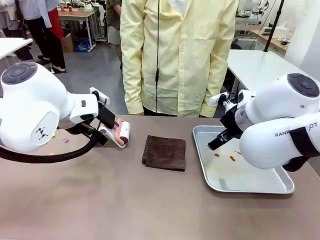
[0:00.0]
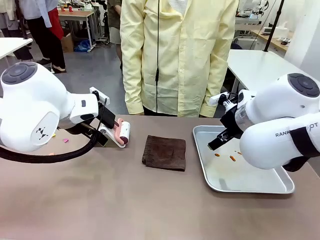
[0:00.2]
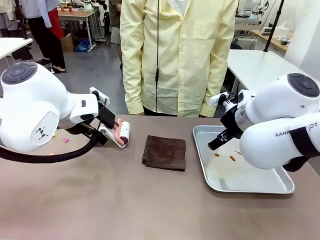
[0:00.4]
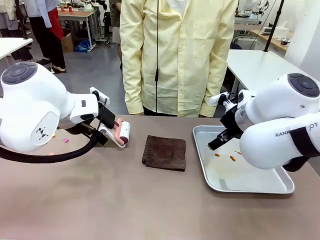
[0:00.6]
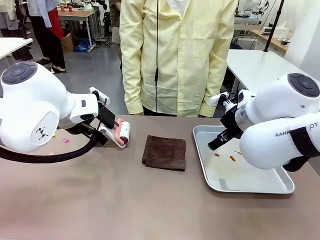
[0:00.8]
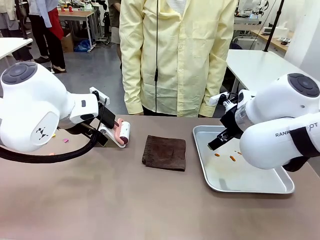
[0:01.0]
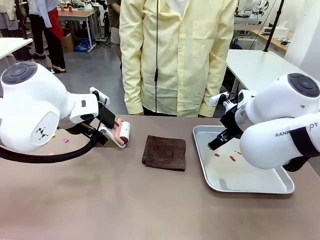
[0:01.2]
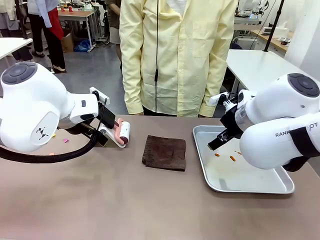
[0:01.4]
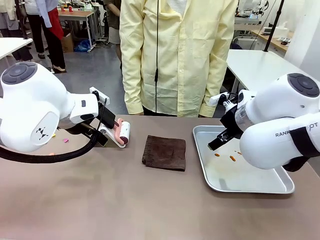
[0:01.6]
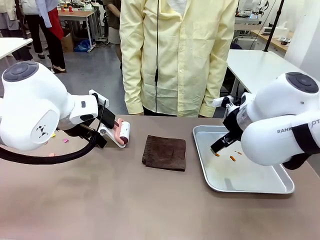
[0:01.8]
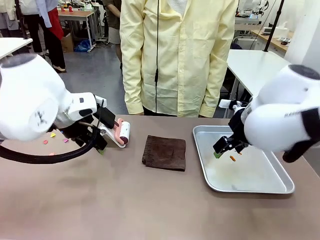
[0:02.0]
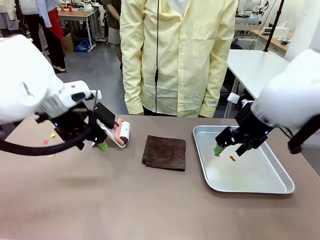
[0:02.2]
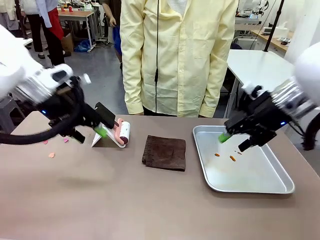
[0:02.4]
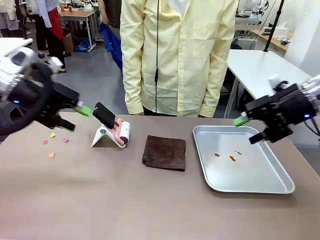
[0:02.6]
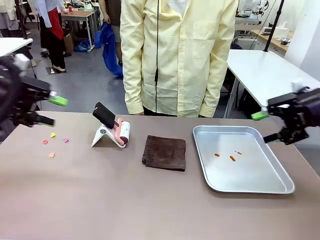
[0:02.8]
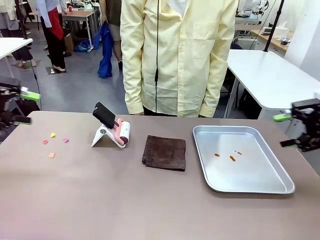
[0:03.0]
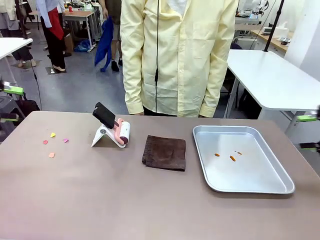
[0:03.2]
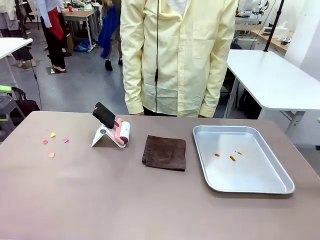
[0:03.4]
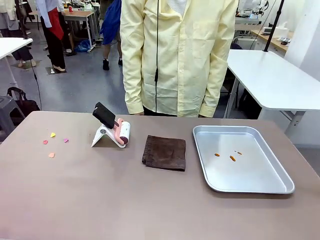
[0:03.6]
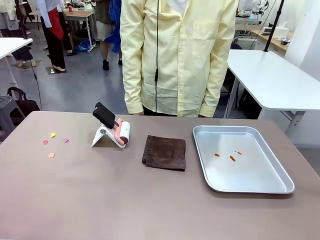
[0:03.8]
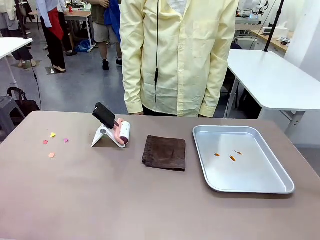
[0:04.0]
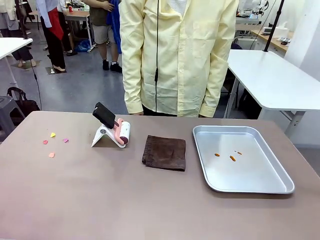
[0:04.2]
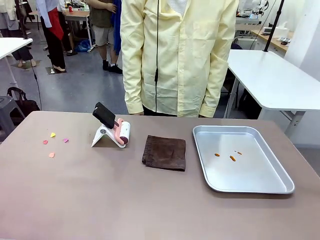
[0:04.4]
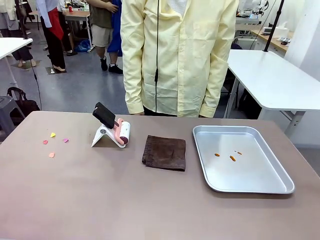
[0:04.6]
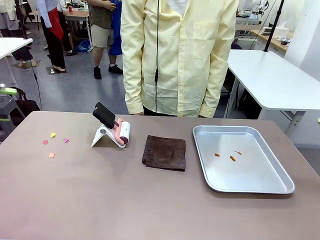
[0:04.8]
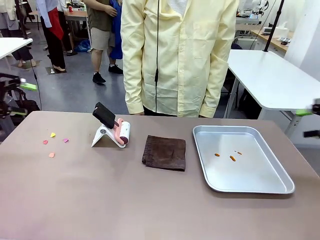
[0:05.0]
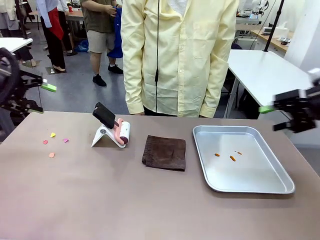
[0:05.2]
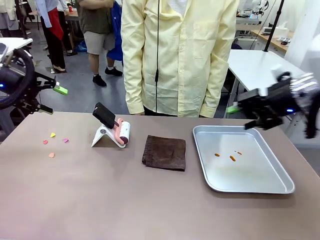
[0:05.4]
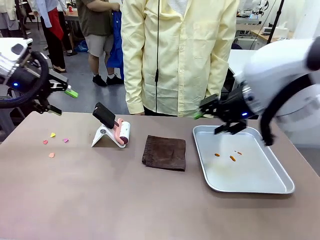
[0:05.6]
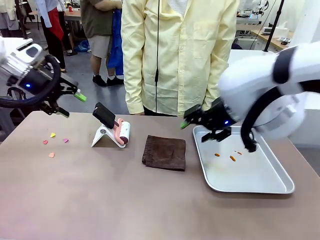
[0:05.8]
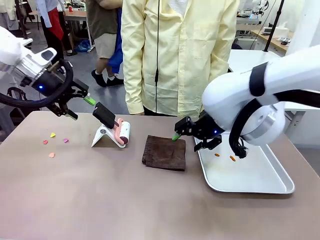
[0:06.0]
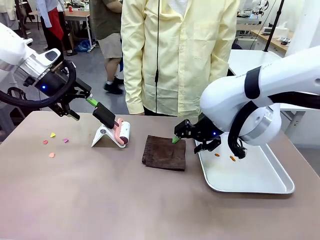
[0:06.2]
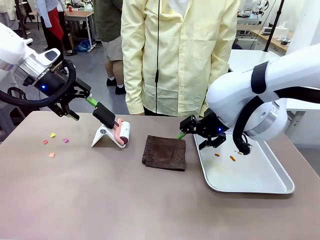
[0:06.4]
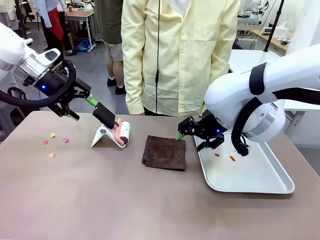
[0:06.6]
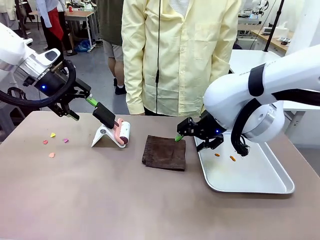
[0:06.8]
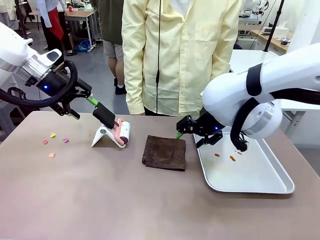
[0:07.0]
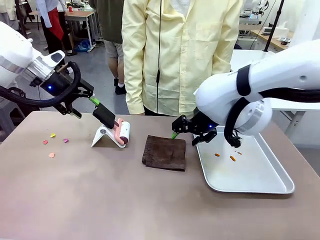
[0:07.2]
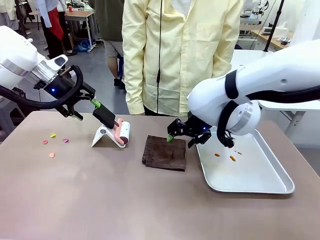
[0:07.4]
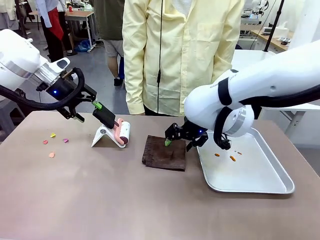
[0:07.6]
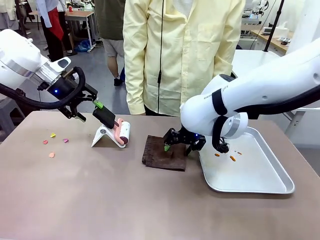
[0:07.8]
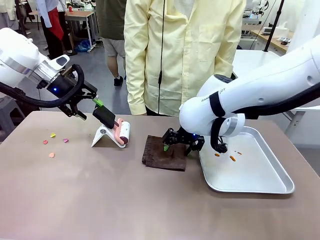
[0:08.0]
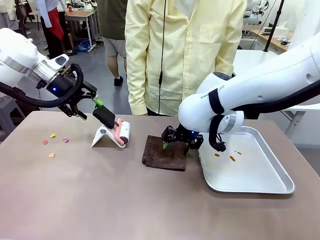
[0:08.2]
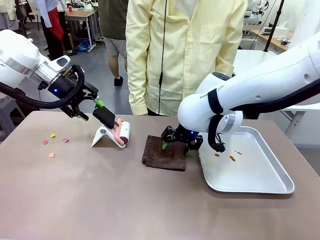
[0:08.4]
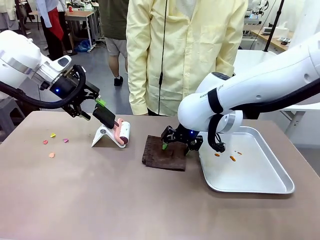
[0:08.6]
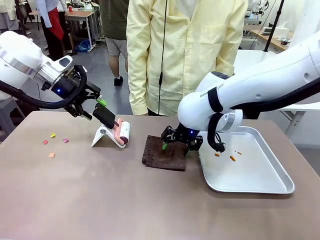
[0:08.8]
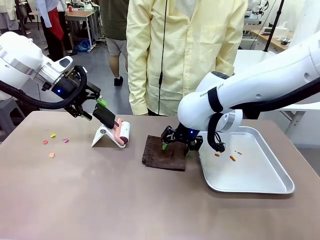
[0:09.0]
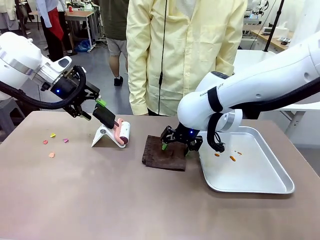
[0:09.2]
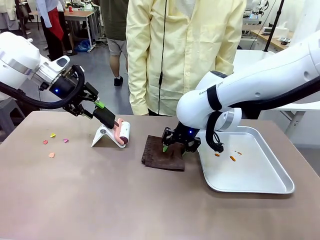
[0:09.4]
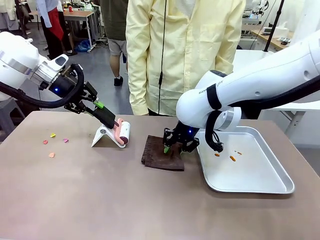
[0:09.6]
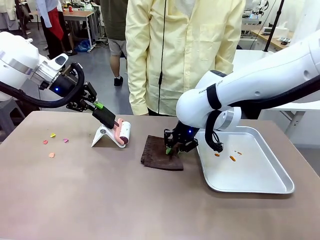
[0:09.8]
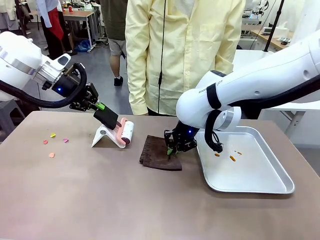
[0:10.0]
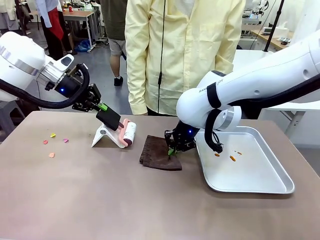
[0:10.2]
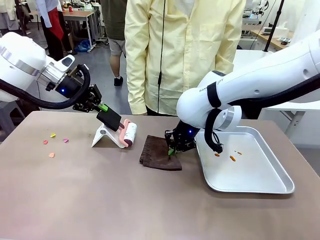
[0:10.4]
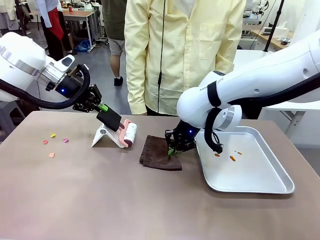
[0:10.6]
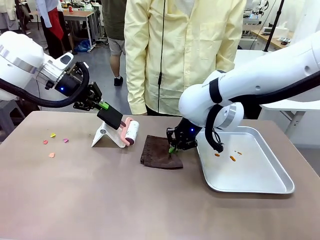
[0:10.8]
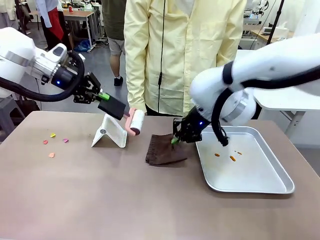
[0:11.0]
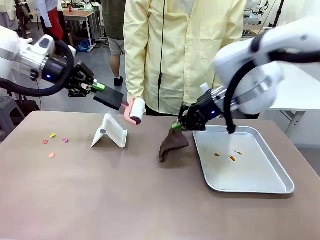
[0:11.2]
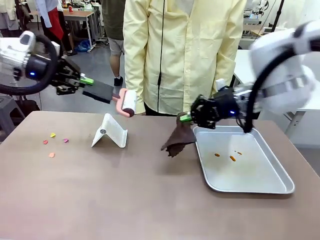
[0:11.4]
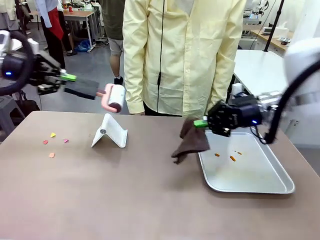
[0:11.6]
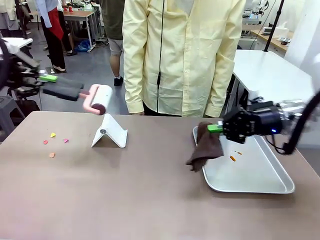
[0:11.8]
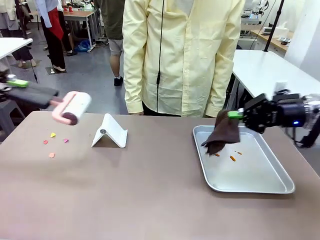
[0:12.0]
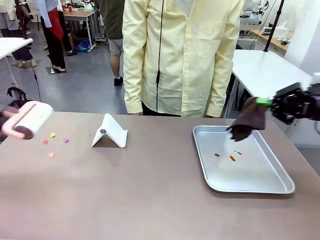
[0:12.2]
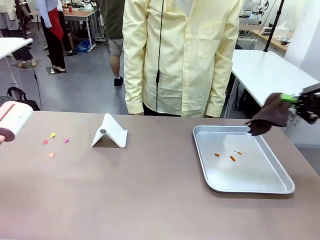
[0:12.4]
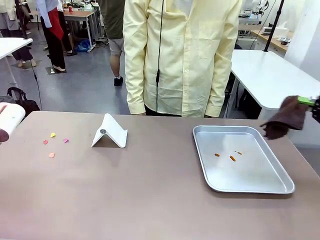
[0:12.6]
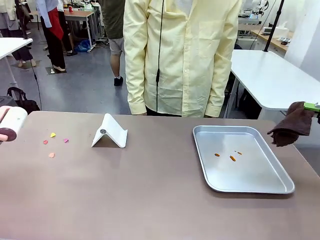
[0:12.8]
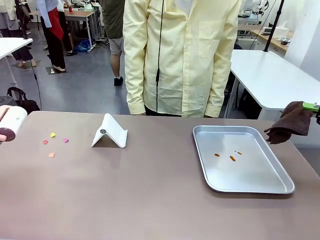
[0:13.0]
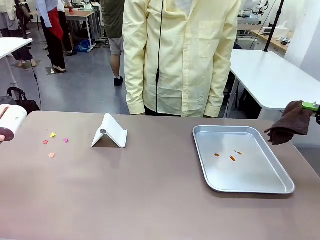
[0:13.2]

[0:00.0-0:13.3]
Task: Clean the surface of the table.
Robot: Hold the Lint Roller with your left hand and the towel with your right hand.

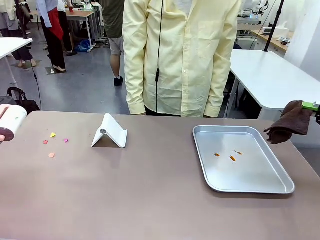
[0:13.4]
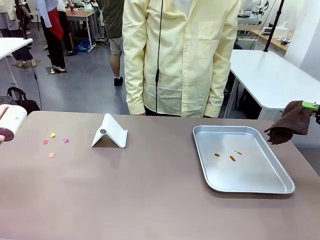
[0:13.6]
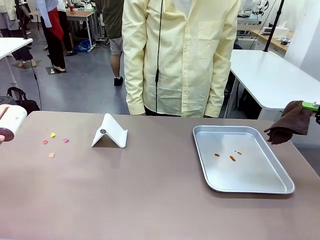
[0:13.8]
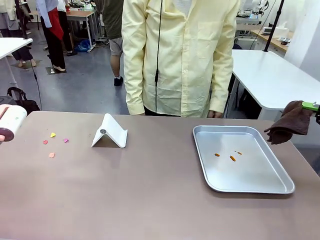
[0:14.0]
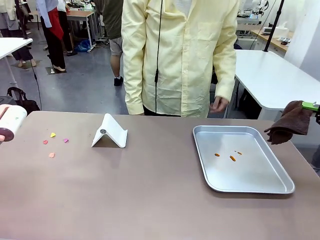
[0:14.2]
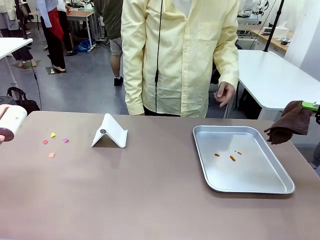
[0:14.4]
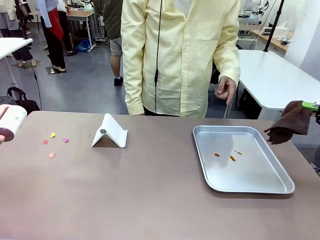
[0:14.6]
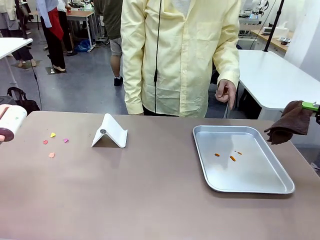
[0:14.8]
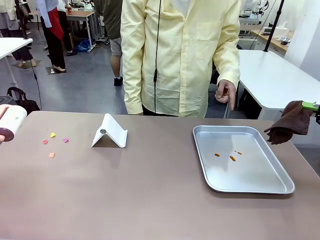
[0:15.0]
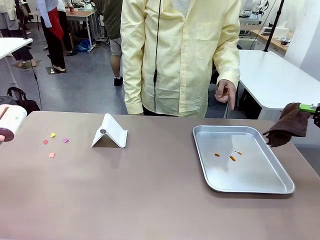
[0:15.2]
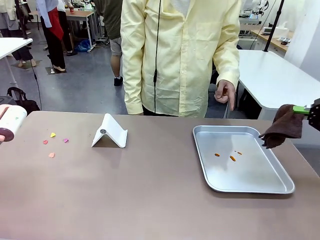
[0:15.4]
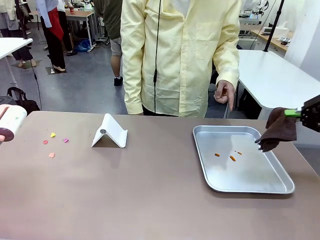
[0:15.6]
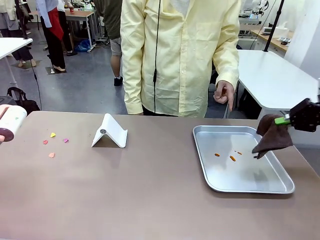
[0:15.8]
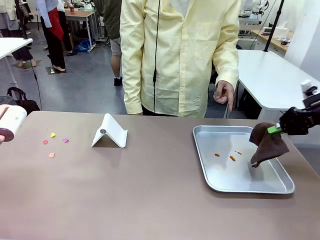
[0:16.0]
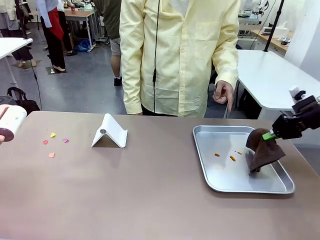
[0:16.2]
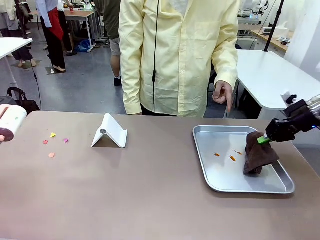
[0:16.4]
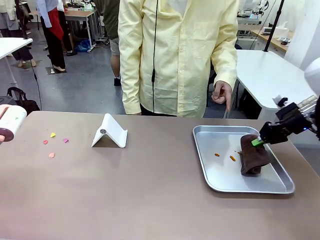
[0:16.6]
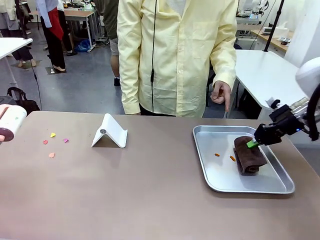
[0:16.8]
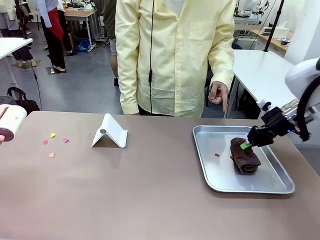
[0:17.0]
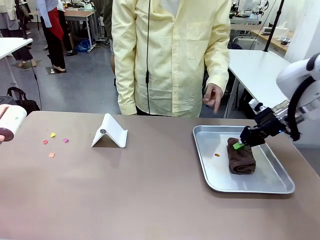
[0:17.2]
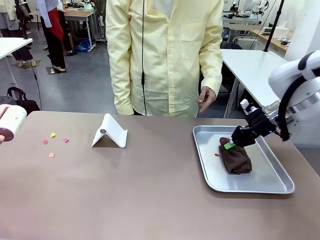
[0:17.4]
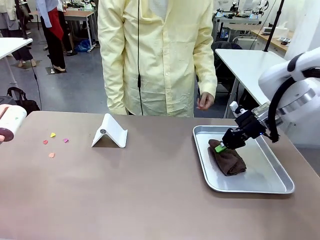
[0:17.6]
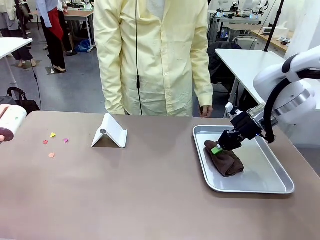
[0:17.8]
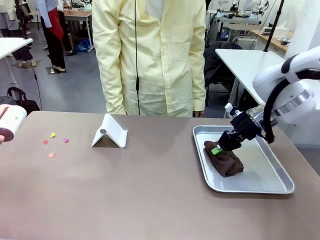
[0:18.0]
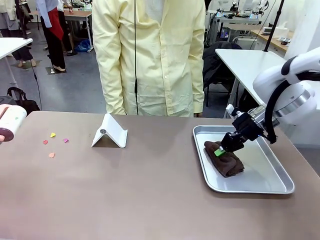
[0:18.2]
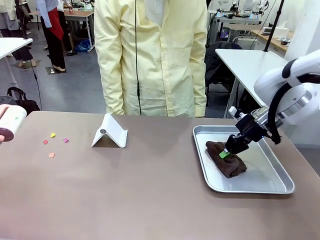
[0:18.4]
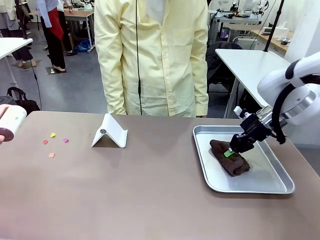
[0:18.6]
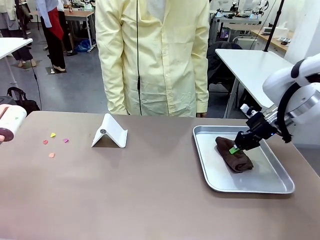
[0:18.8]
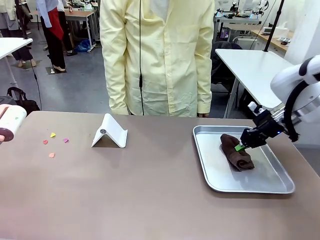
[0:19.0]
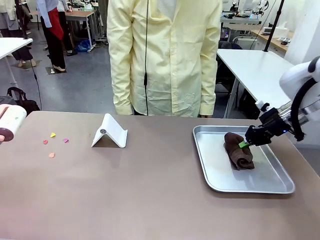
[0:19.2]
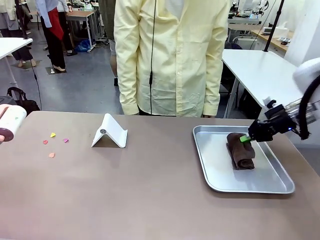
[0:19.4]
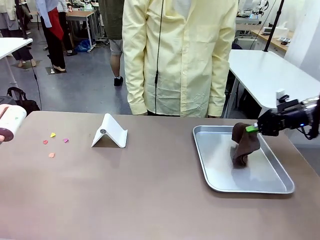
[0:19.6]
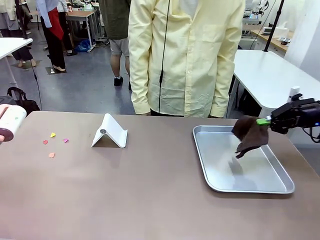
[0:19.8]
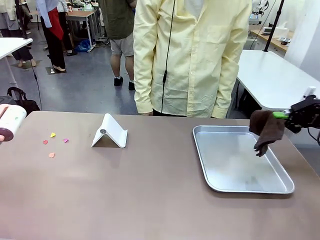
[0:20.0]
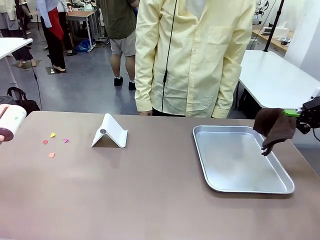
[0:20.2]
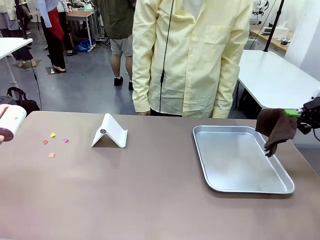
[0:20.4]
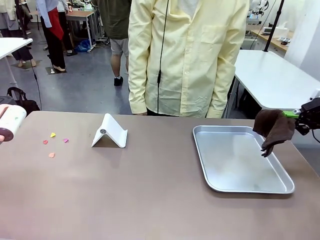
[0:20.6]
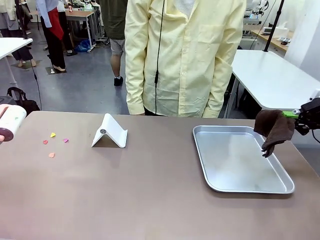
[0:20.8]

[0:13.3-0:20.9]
Robot: If a person points to the right, clean the right side of the table with your right hand, and if they point to the left, clean the left side with your left hand.
